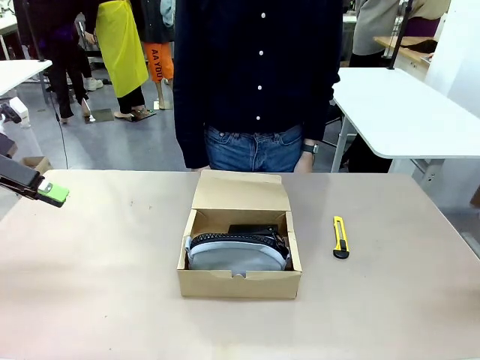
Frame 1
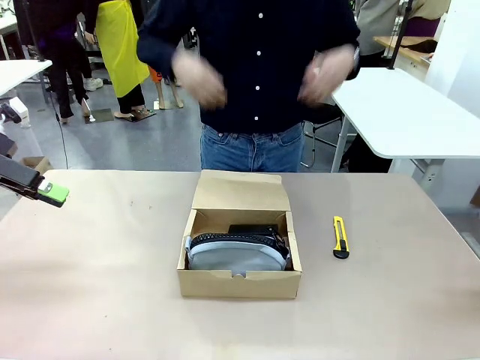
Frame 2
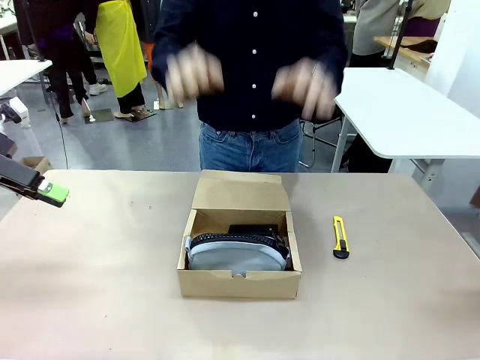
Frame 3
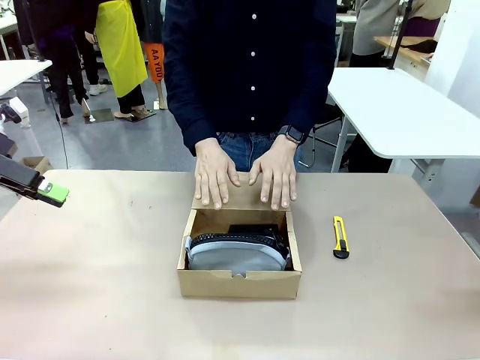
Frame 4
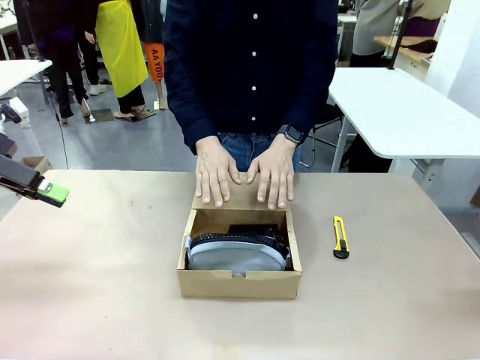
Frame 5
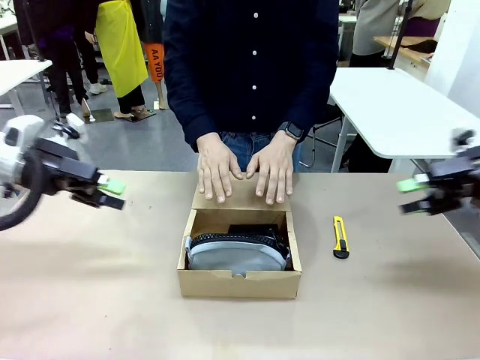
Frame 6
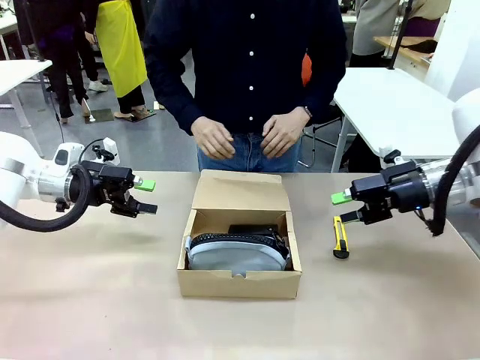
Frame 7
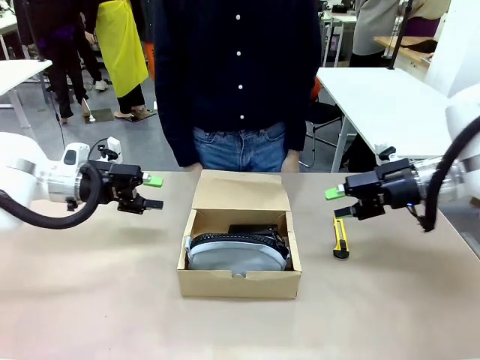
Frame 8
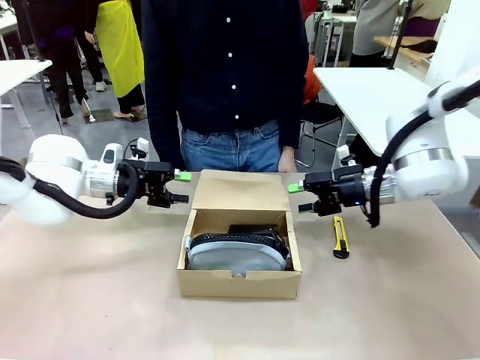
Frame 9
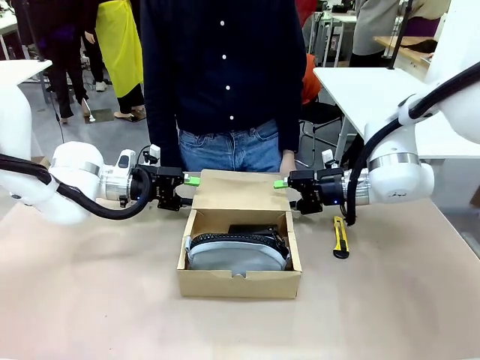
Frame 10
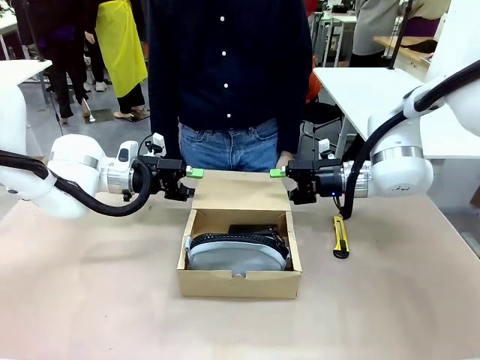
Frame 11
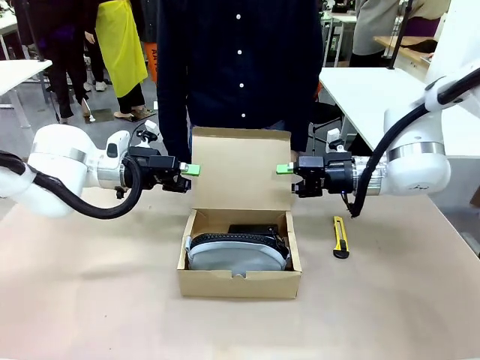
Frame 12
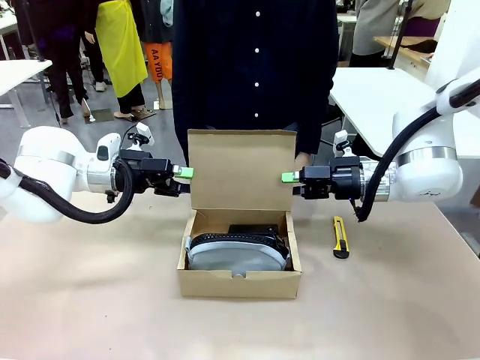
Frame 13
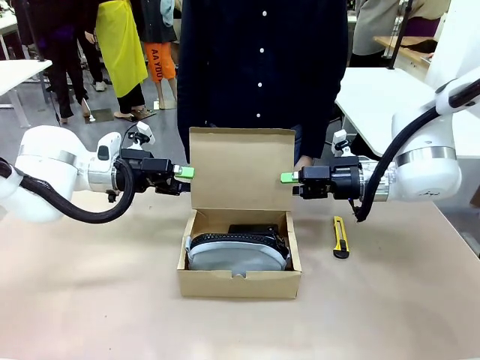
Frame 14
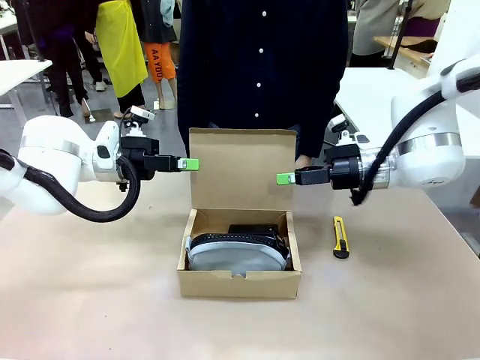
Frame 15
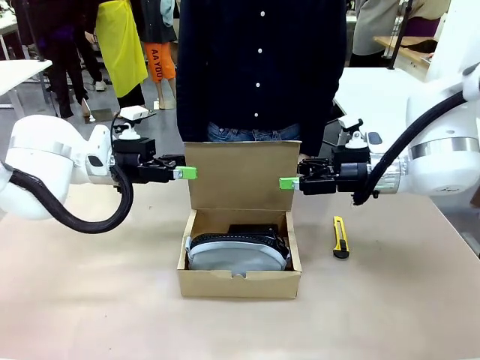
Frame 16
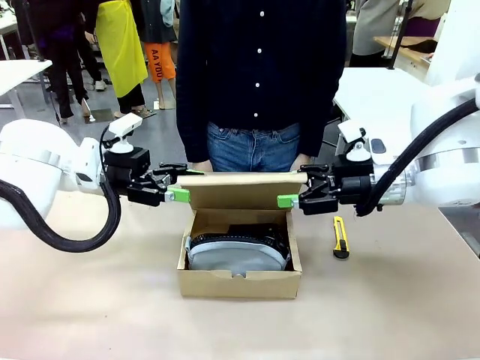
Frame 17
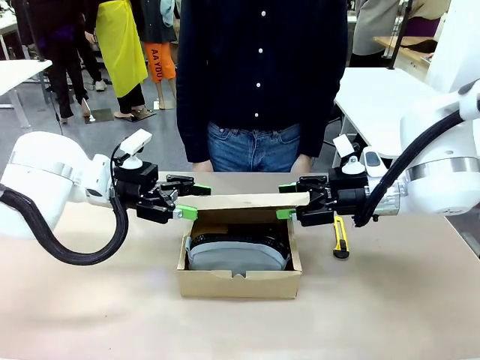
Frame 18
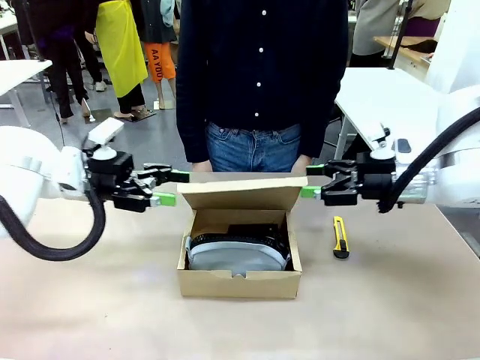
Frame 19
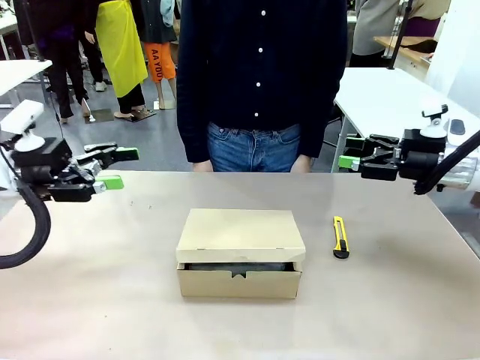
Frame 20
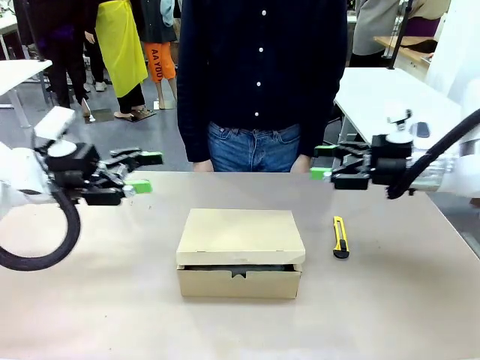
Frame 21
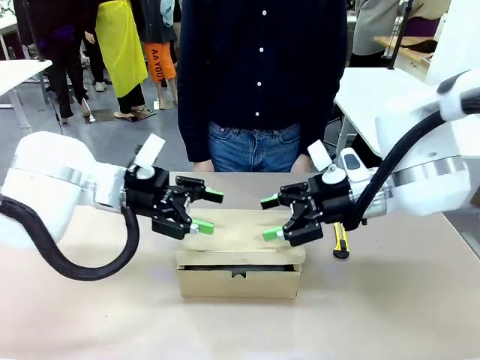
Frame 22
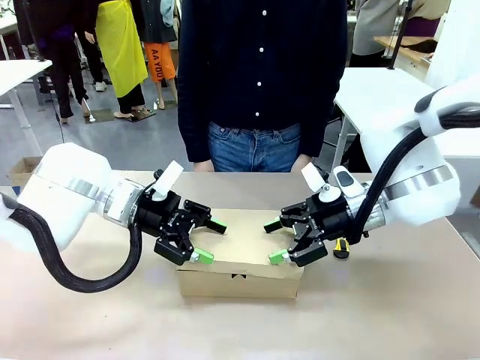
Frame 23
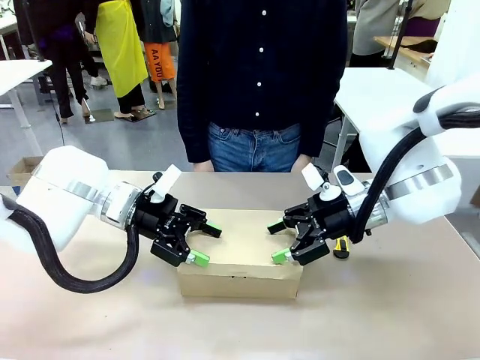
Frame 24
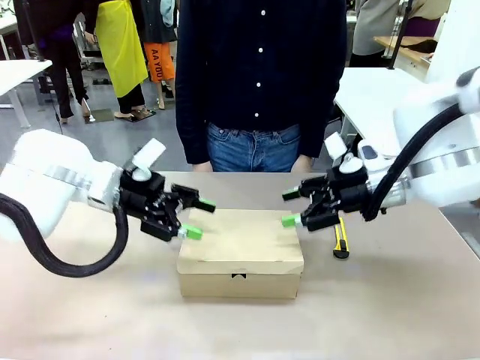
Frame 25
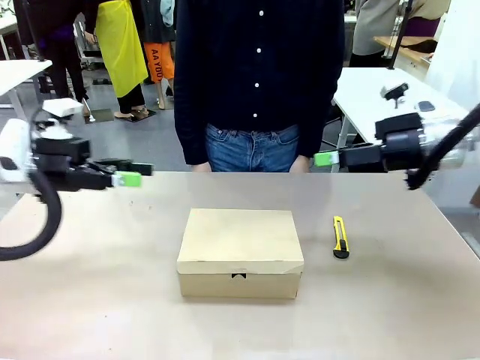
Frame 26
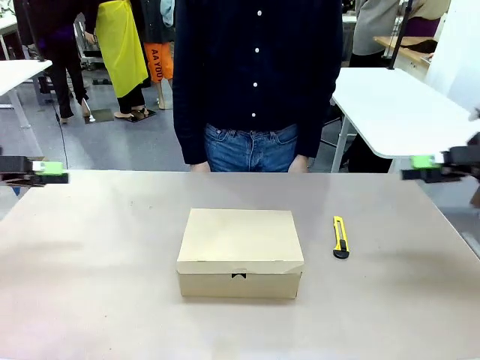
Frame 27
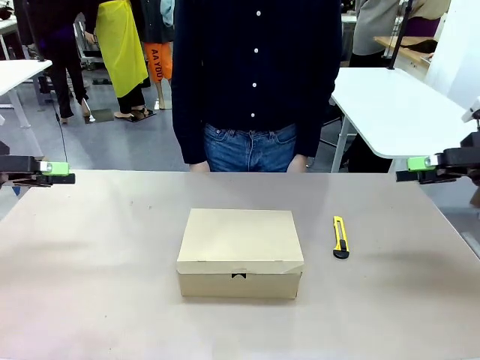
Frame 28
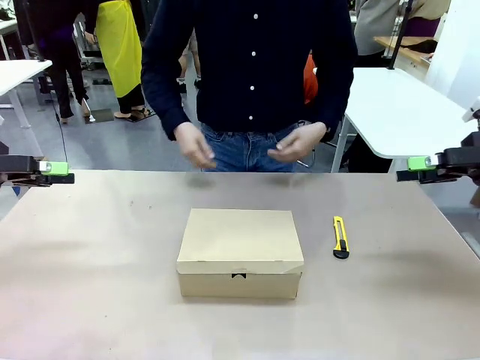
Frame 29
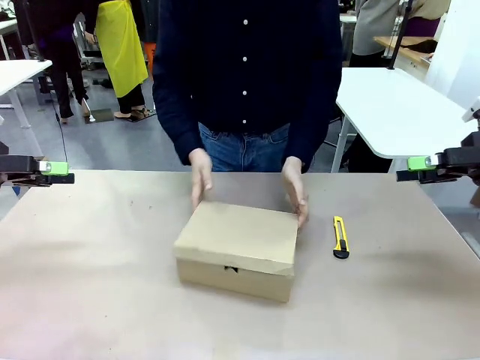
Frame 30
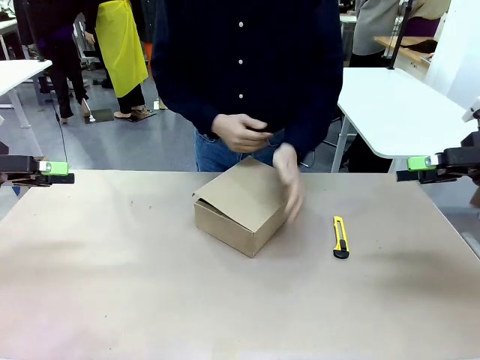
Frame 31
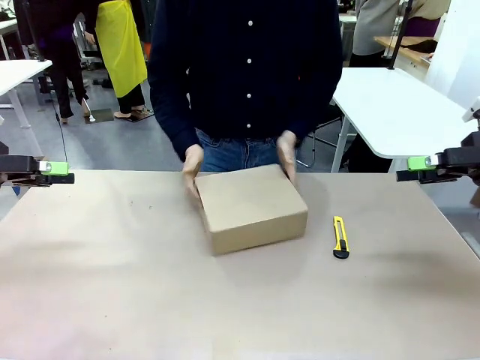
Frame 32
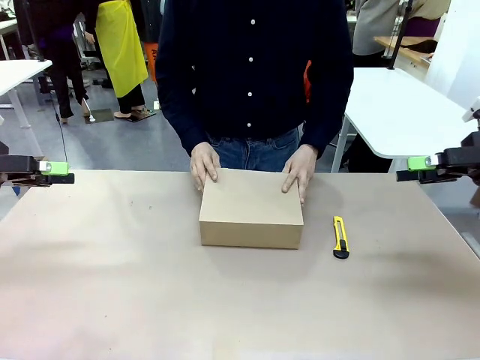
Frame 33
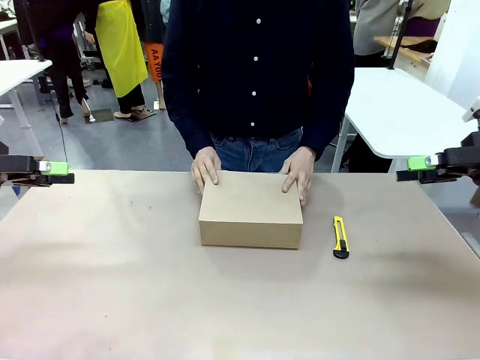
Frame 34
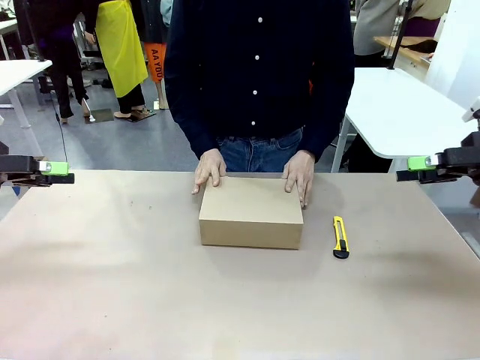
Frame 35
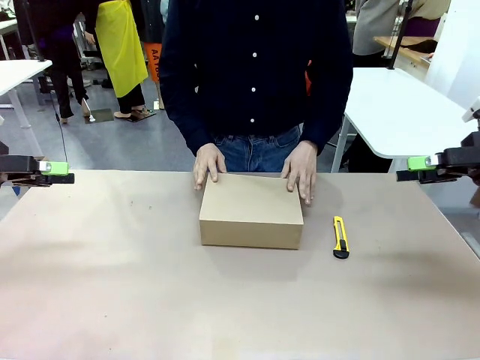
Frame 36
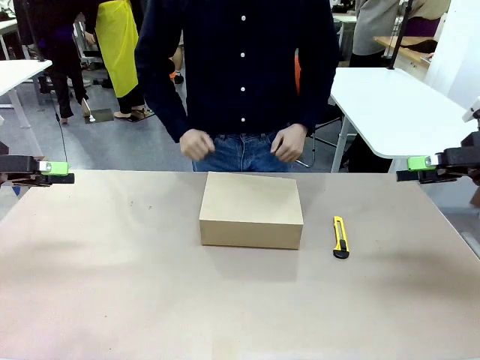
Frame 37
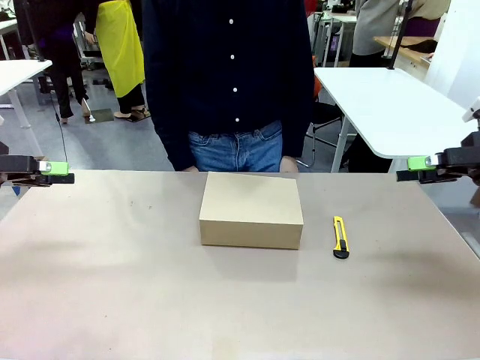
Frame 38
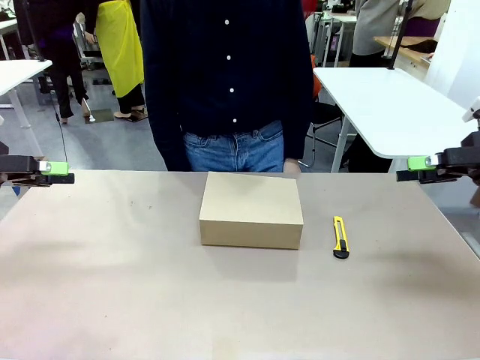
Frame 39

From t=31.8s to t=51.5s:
Task: Pack the items into the box.
Robot: Close the Mailer Box.
Person: Turn the box and lock it.
